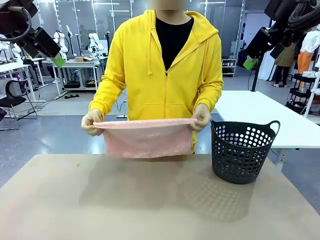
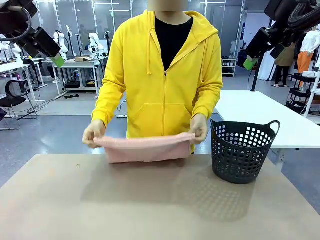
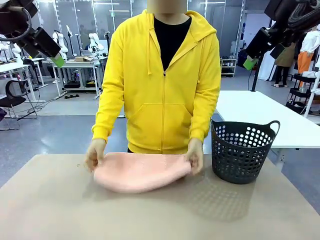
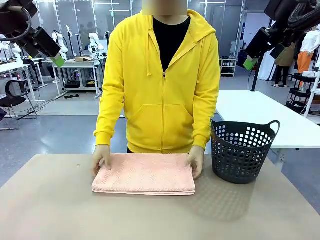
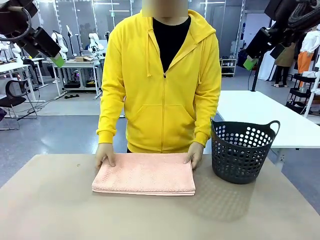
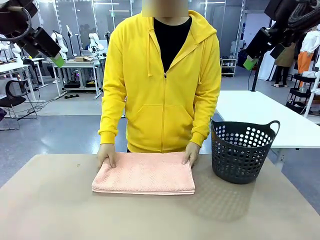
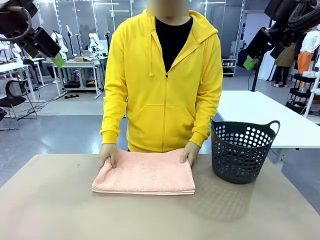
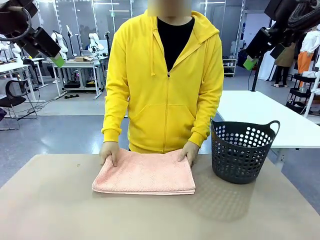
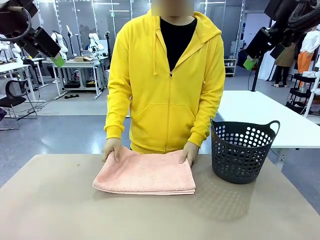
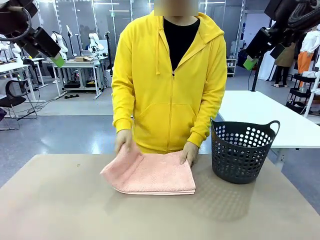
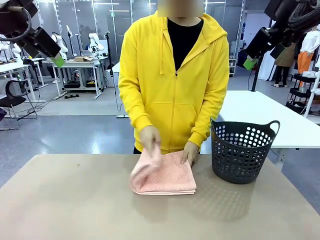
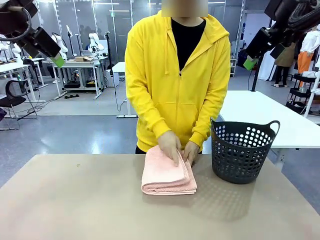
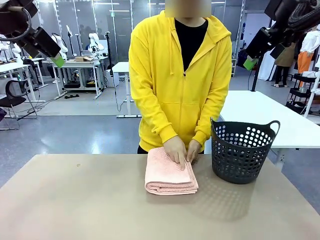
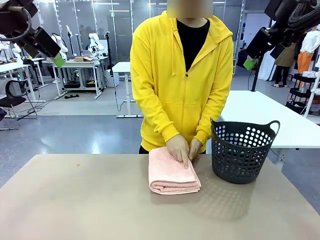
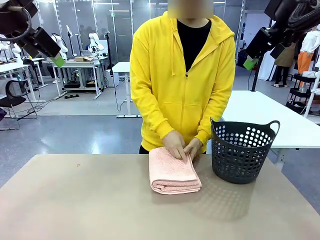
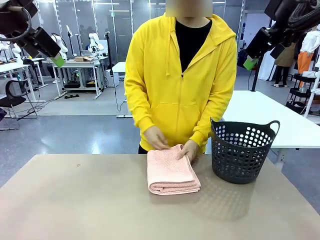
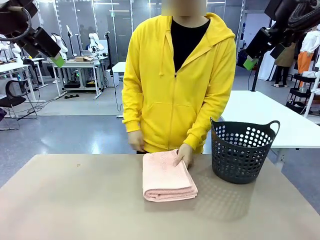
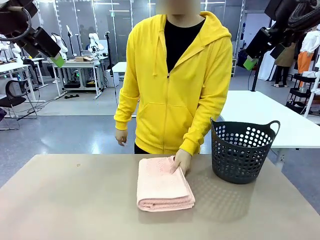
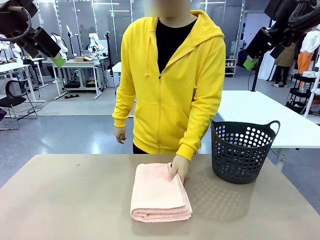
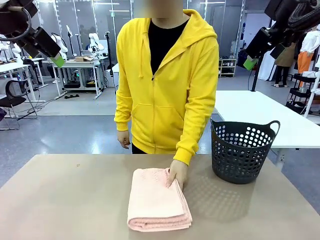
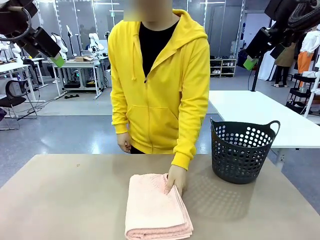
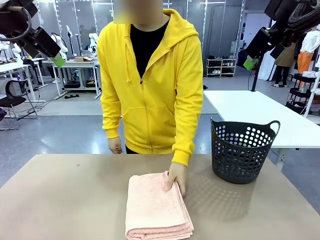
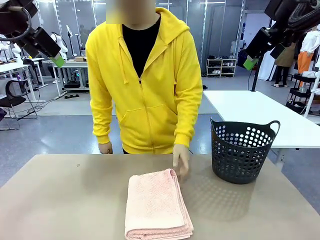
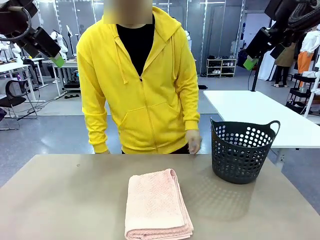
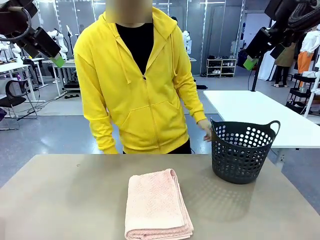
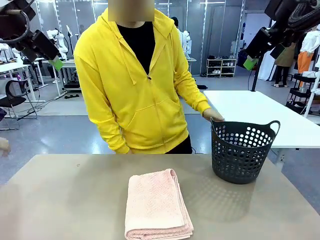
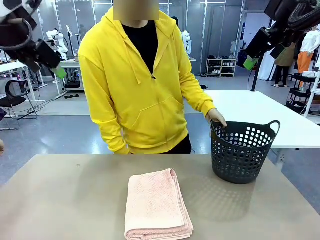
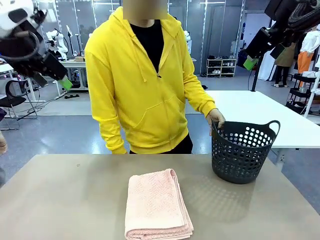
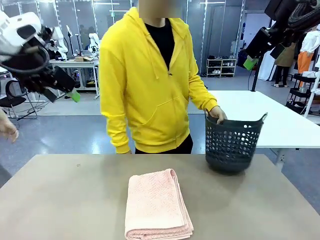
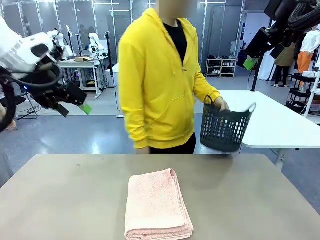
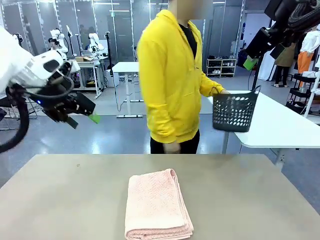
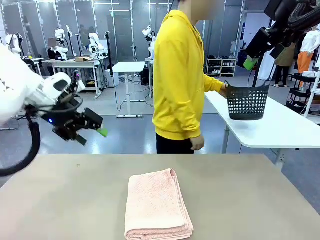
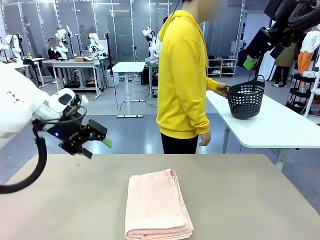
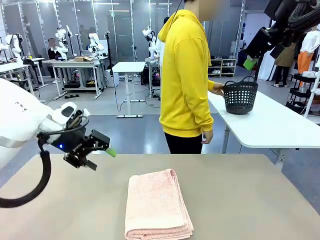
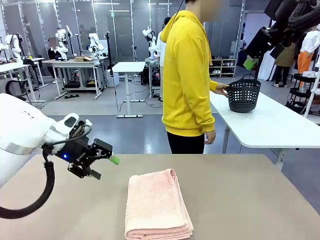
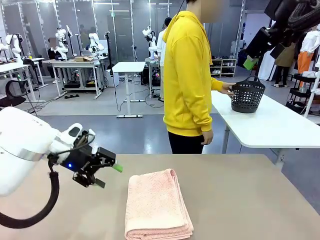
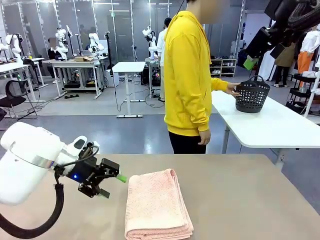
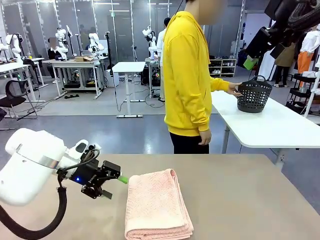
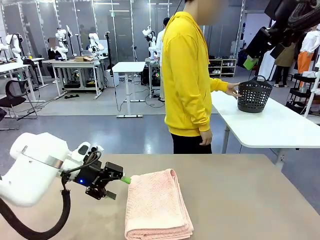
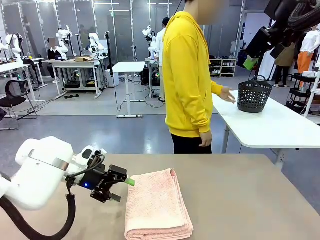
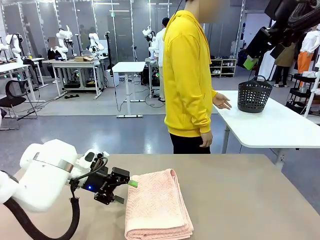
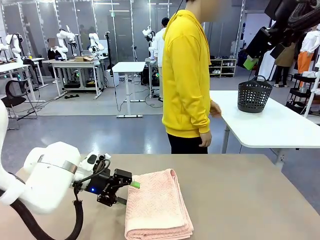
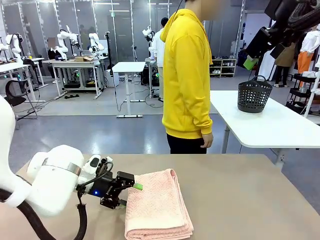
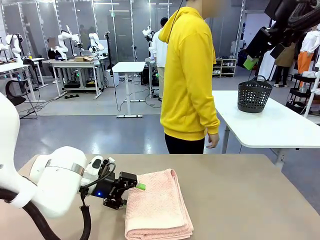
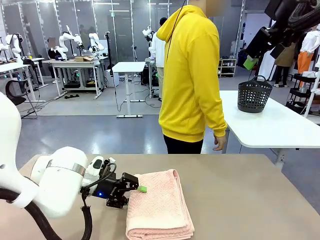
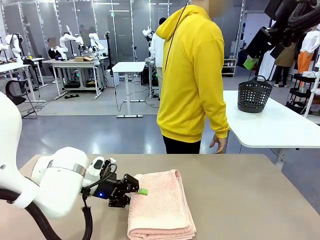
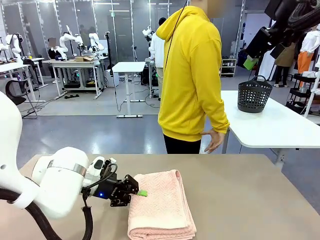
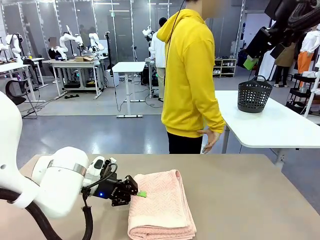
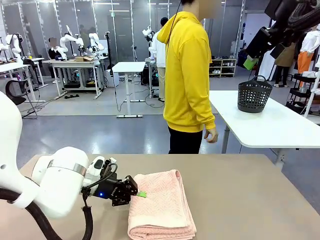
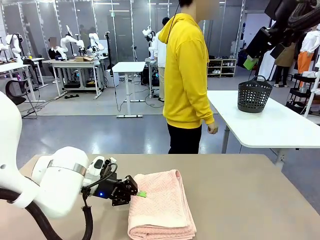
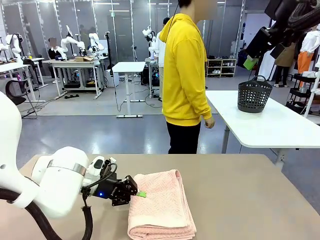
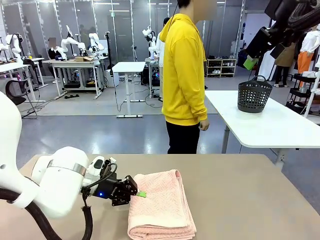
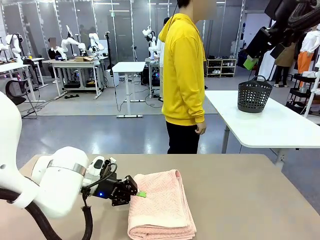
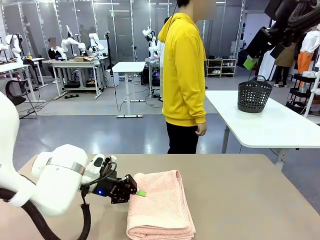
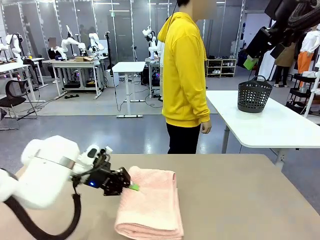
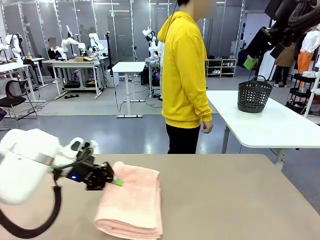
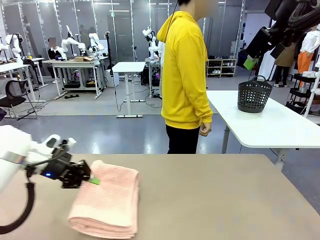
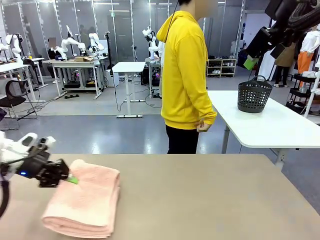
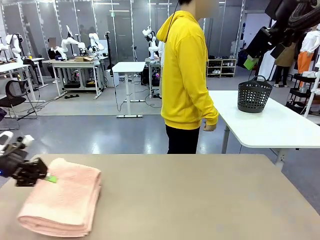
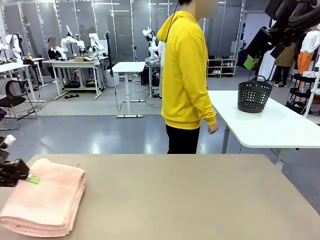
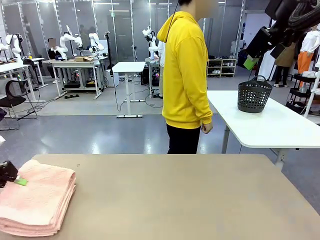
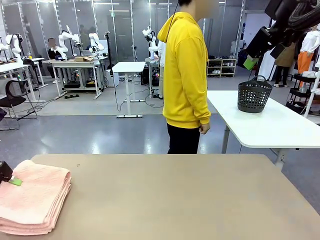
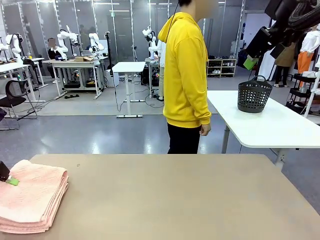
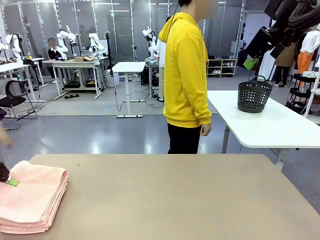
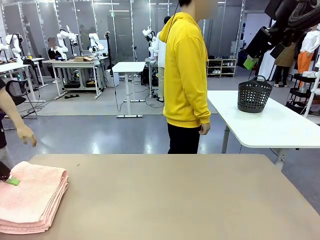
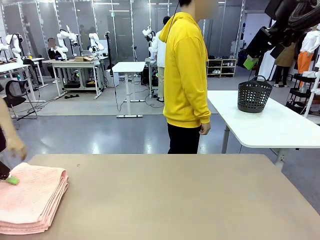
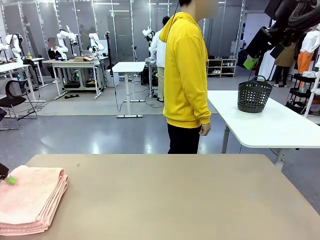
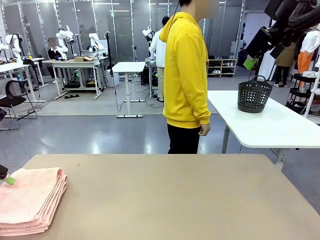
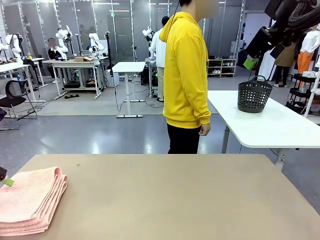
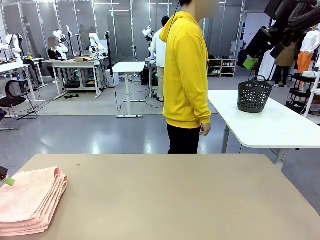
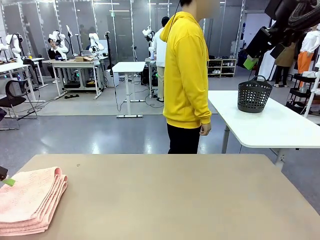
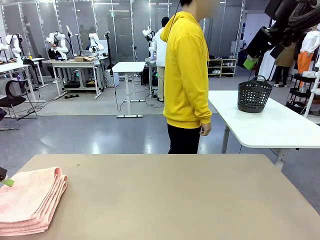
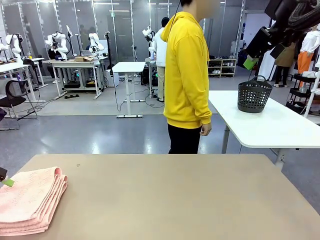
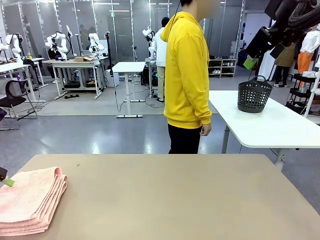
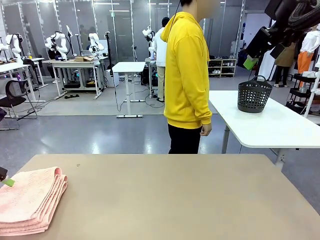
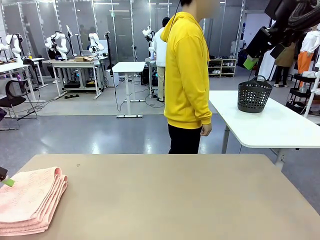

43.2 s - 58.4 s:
Task: Fold the towel.
Robot: Pick up the 100 cm Hotel Towel and place it on the left side of the table.
Person: Place the towel at the center of the robot table and fold it in half. Pick up the laundry basket and place it at the center of the human table.
